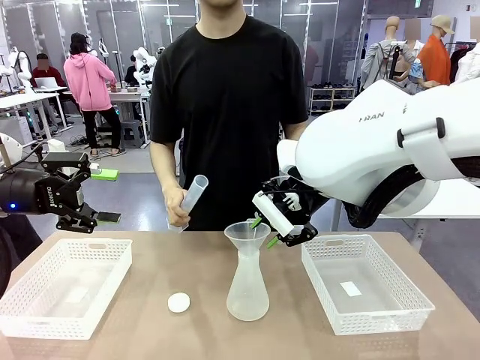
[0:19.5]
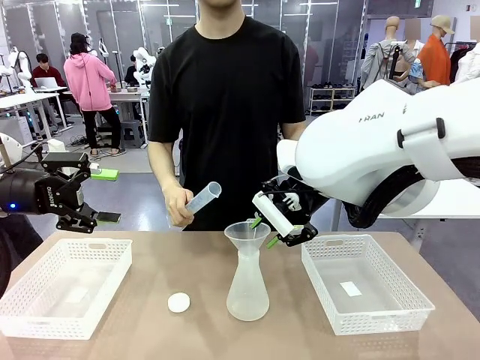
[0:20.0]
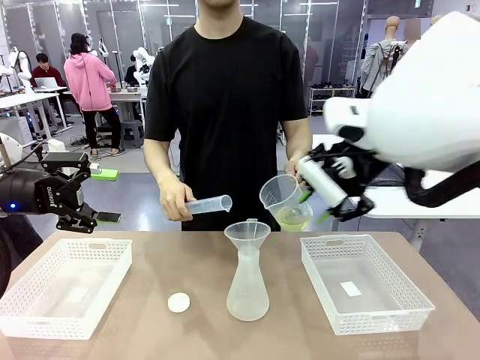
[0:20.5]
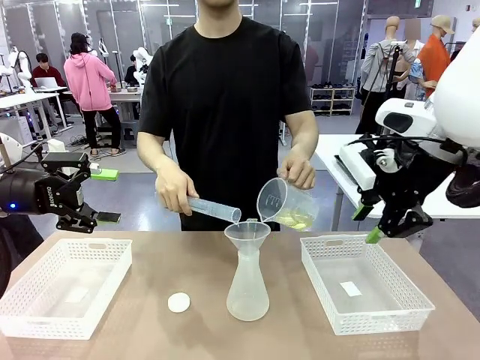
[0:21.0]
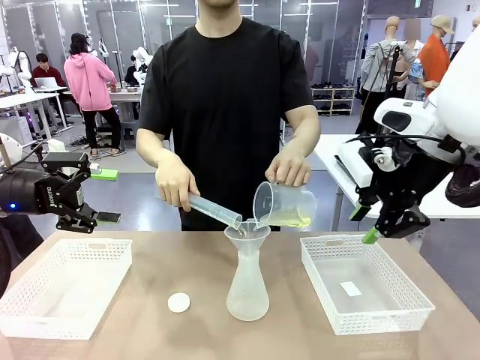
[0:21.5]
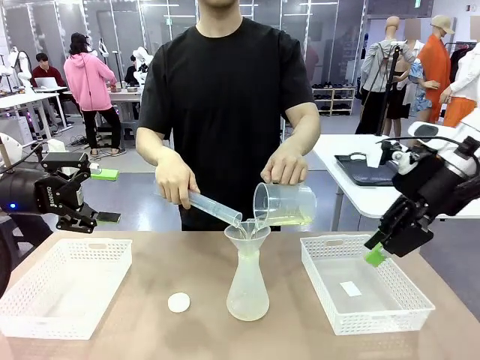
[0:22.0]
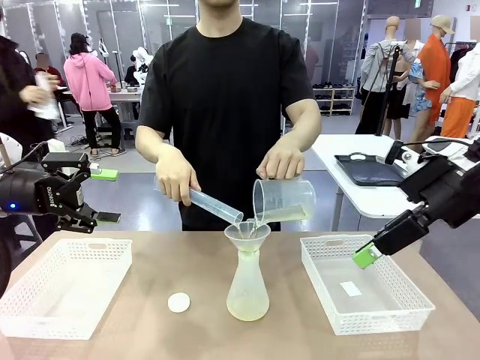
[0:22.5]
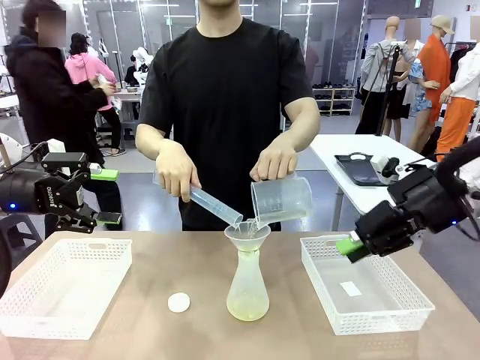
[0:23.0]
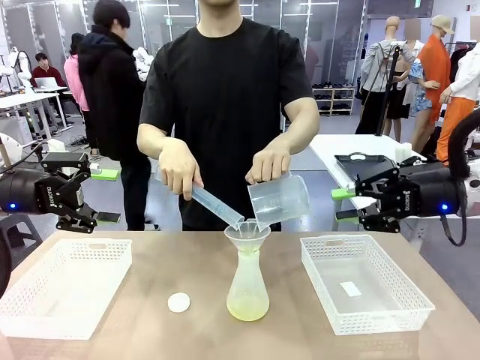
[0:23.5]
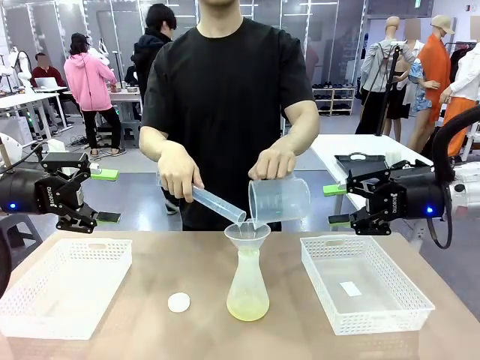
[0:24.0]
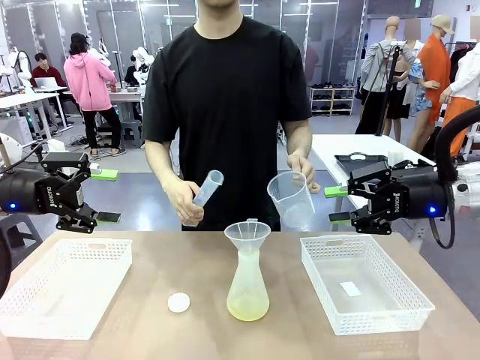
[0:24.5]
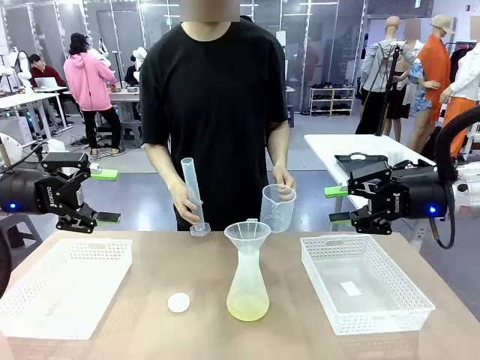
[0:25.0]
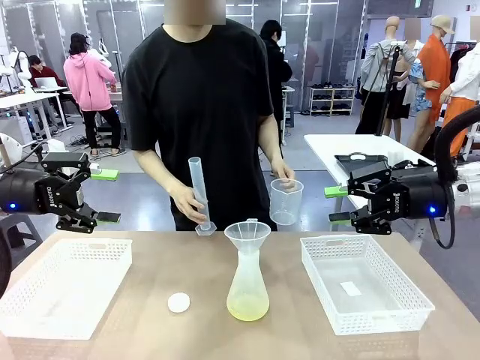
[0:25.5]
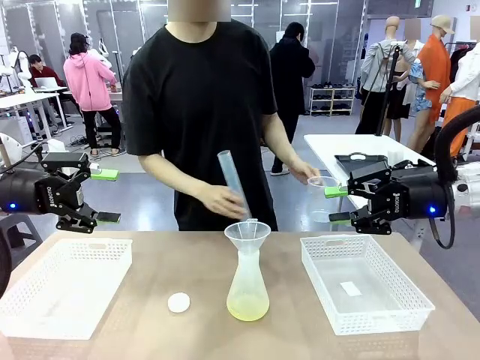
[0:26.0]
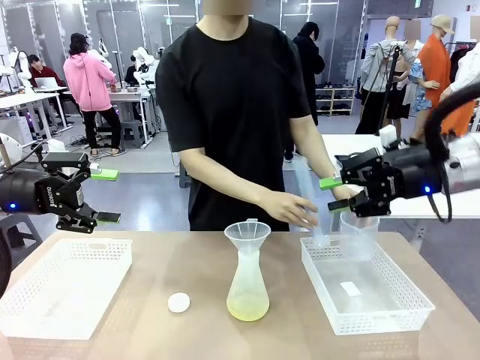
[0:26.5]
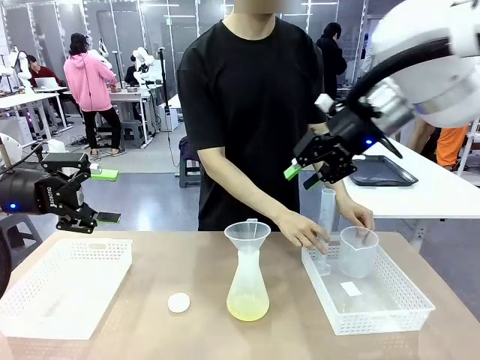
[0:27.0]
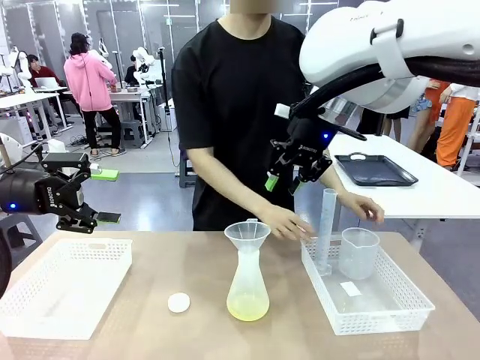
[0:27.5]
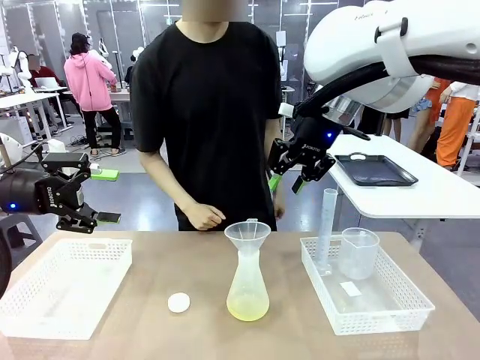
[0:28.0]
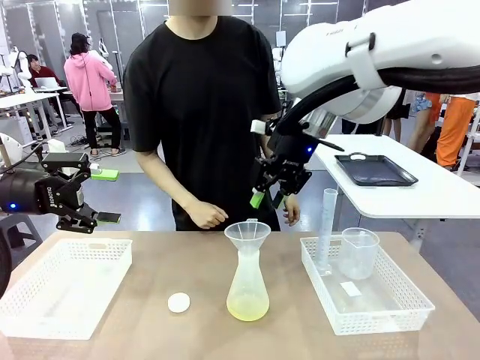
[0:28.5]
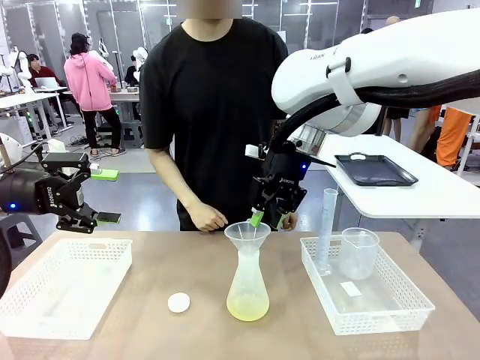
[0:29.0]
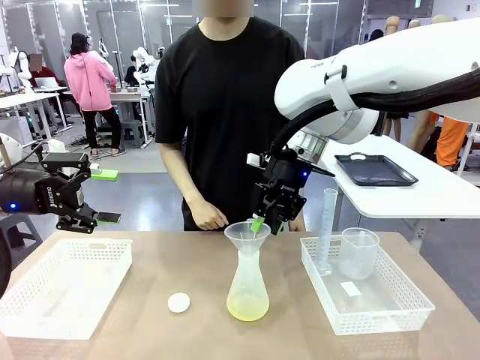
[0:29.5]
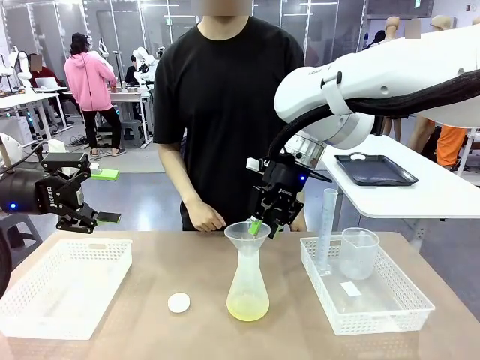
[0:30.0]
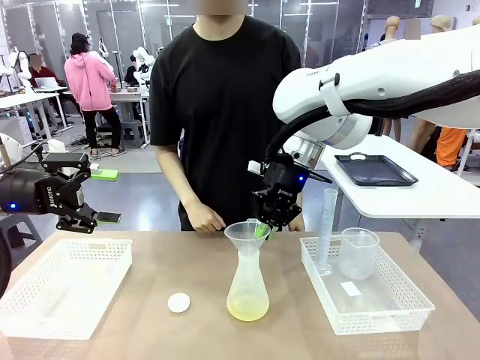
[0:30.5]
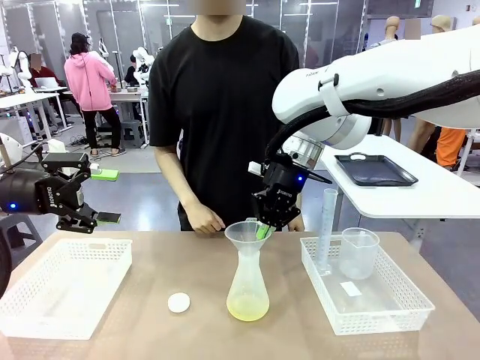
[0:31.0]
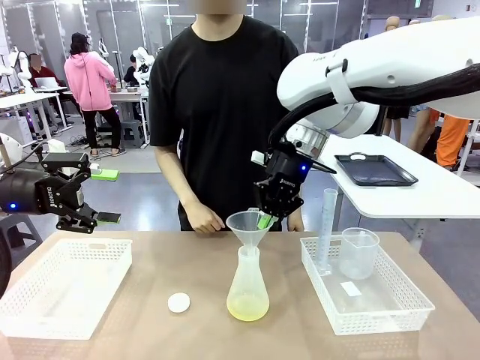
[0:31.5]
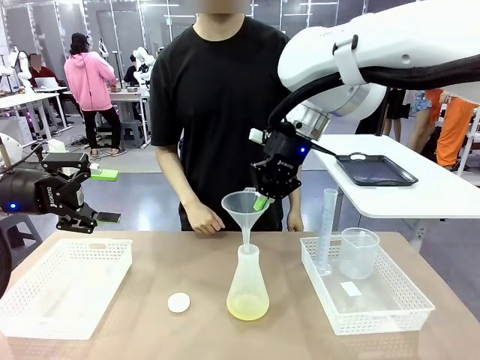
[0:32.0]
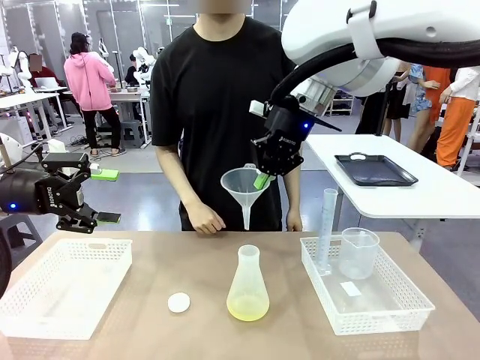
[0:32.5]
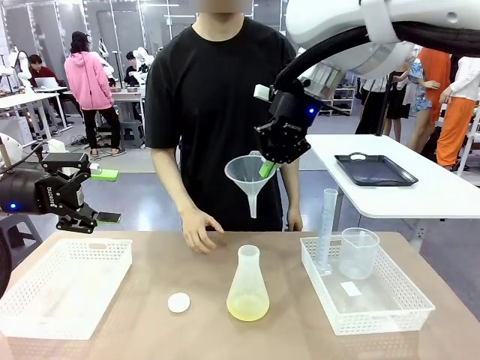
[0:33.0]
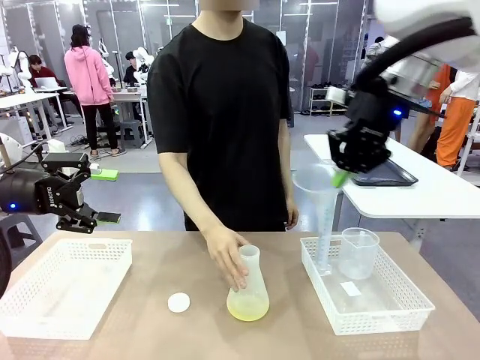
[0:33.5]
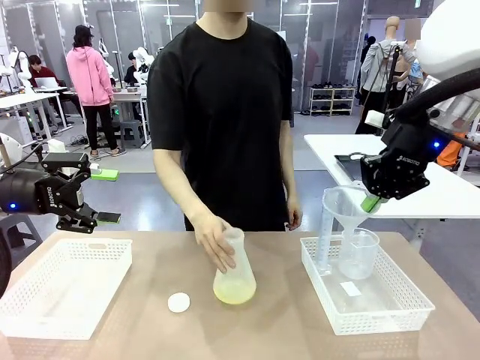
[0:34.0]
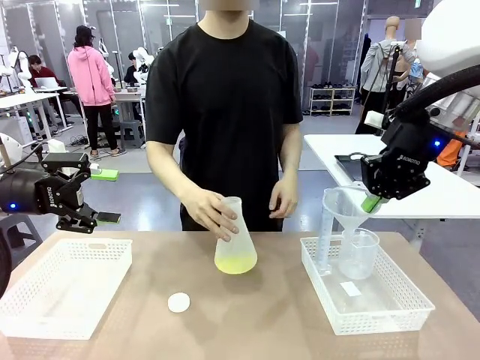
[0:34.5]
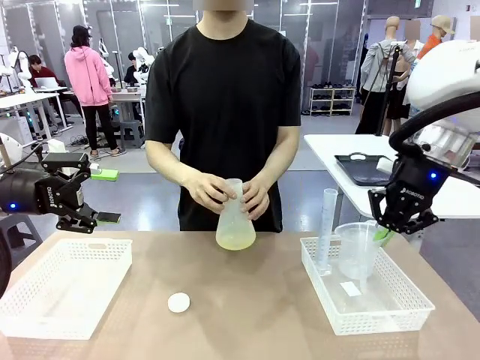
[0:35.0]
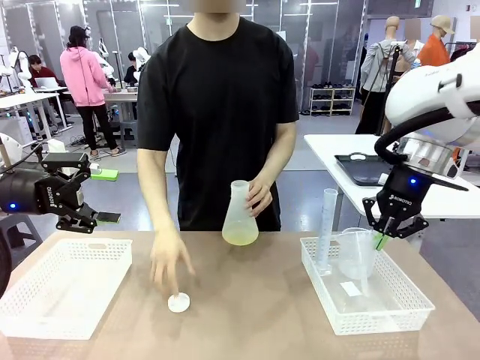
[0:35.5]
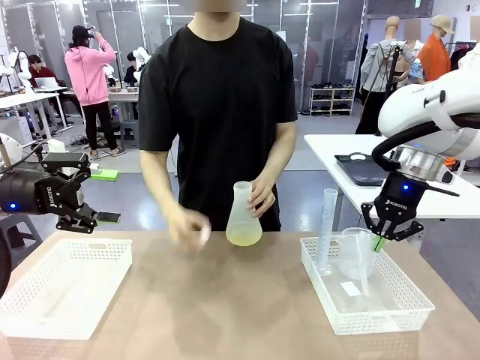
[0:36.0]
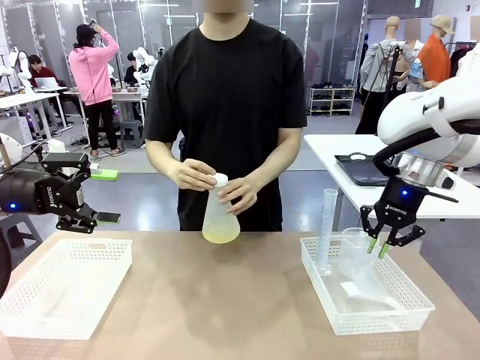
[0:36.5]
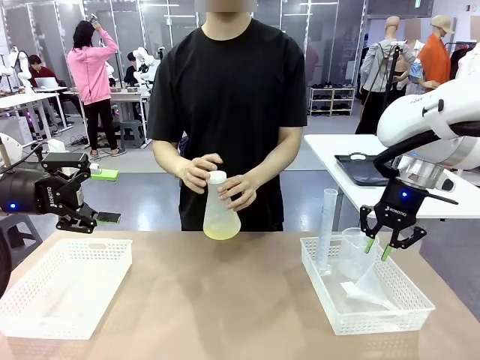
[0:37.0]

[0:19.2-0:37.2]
Task: Prepare the solutions needed for the experiment.
Robot: Once the solution is in the Big flask , pick up the Plastic Funnel and place it back into the right Organizing basket.
Person: Place the beaker and the cylinder into the organizing basket on the left side. Pick up the flask, gently shake it 2–3 times, place it in the middle of the robot table, and close the lid.
